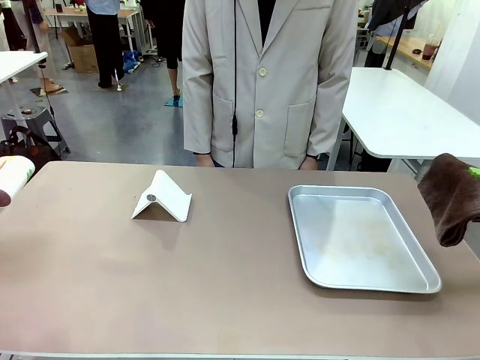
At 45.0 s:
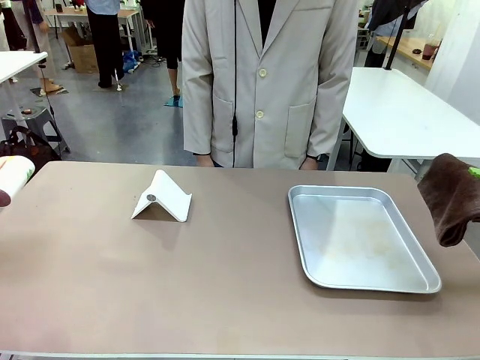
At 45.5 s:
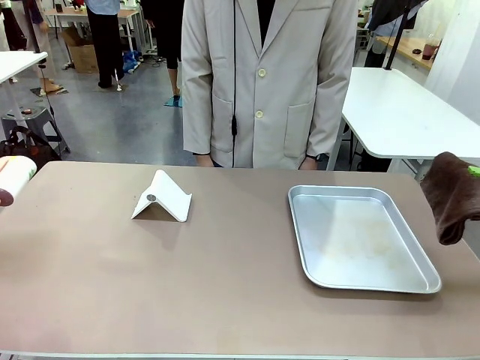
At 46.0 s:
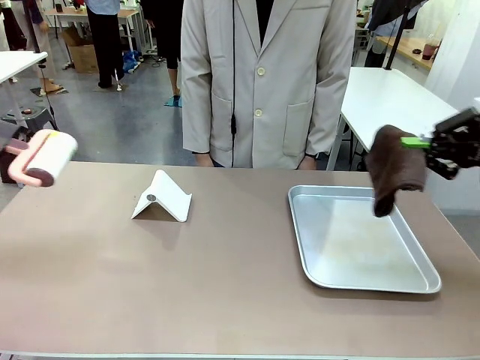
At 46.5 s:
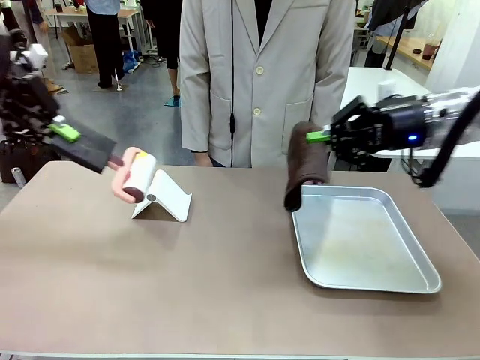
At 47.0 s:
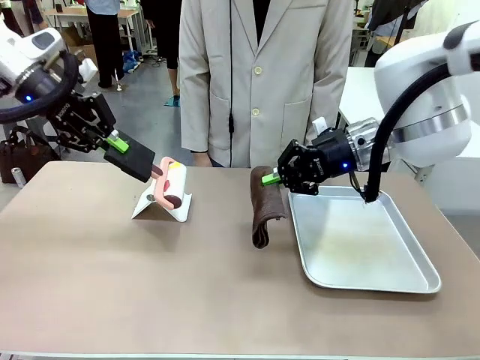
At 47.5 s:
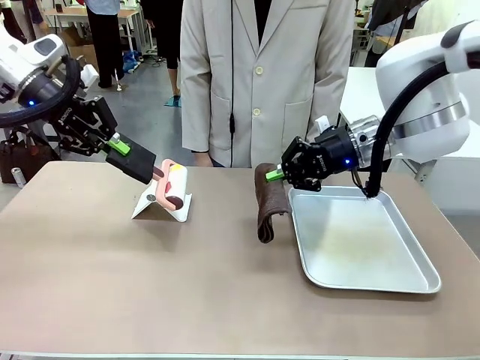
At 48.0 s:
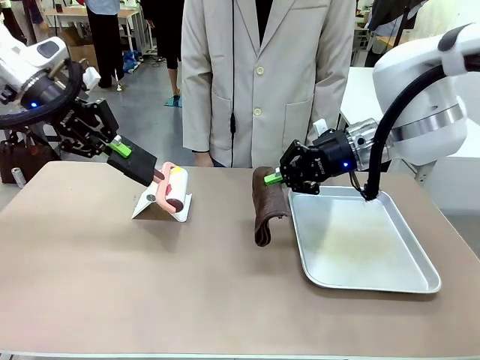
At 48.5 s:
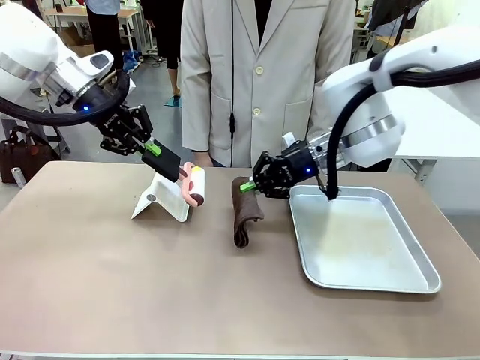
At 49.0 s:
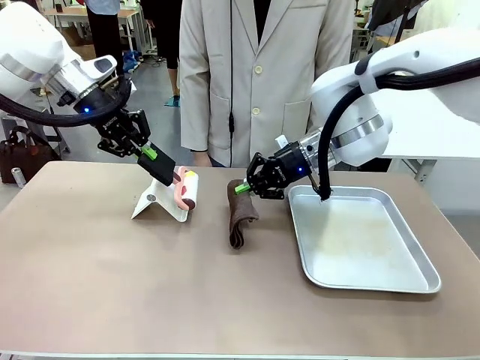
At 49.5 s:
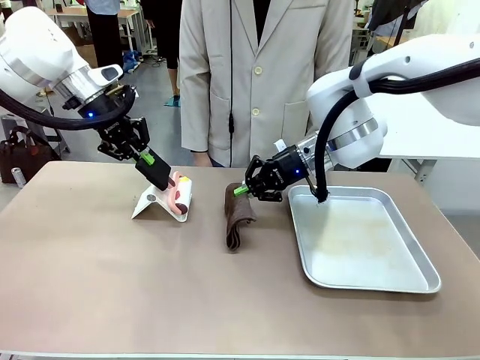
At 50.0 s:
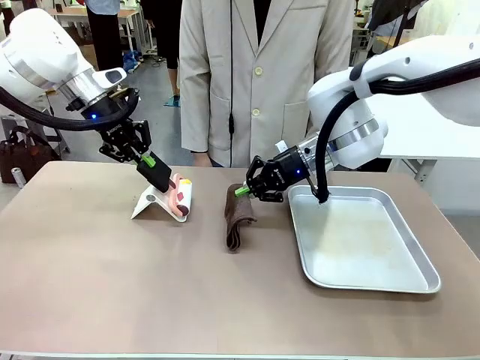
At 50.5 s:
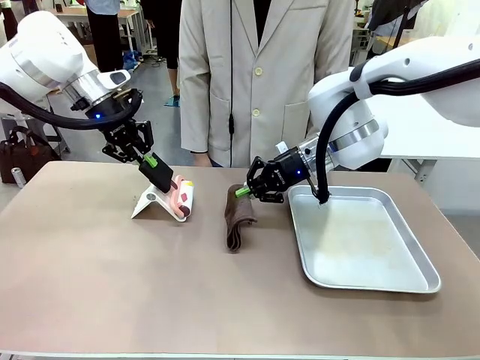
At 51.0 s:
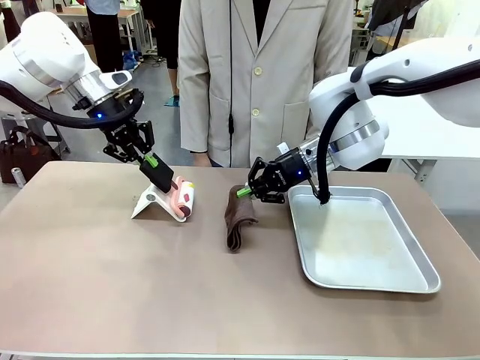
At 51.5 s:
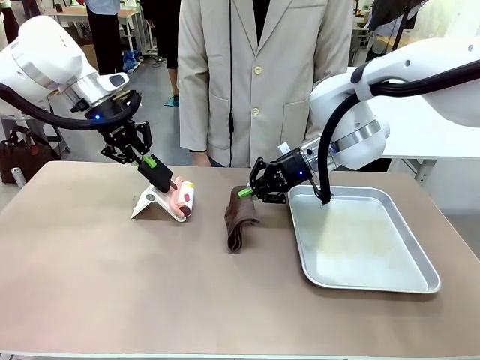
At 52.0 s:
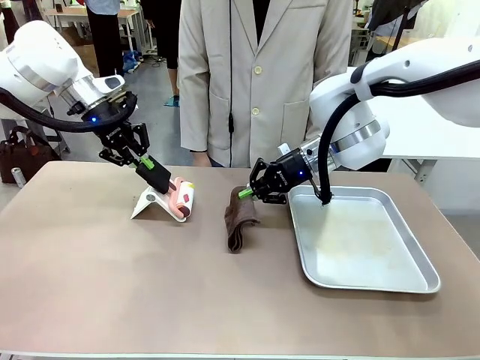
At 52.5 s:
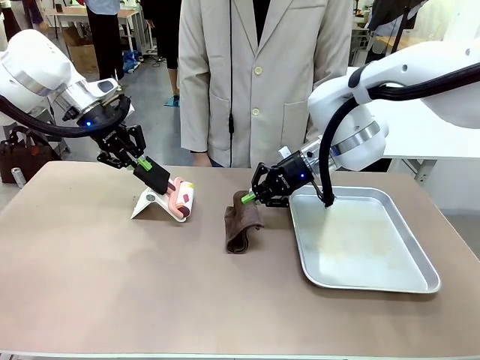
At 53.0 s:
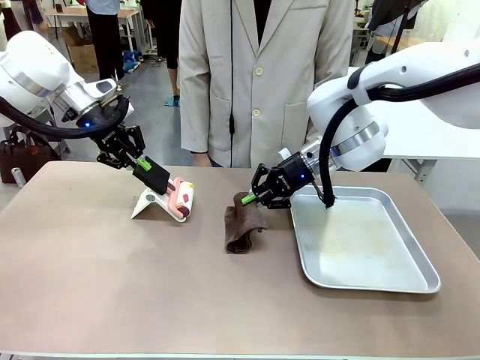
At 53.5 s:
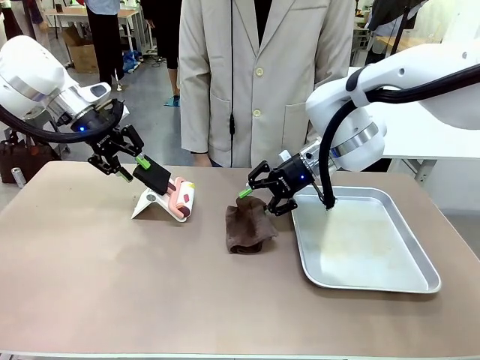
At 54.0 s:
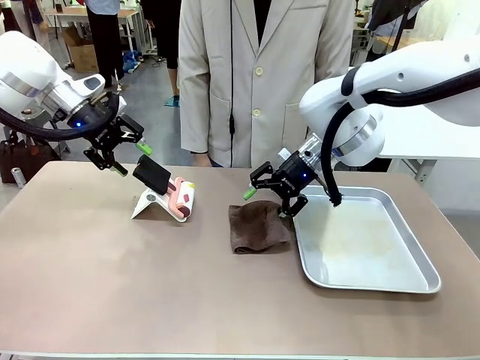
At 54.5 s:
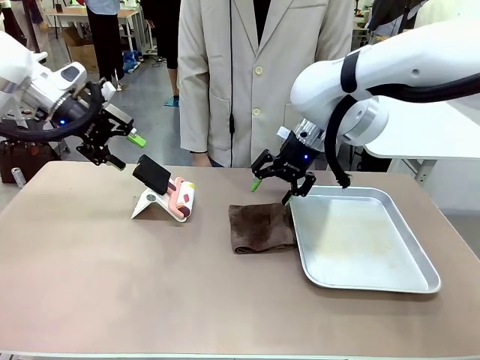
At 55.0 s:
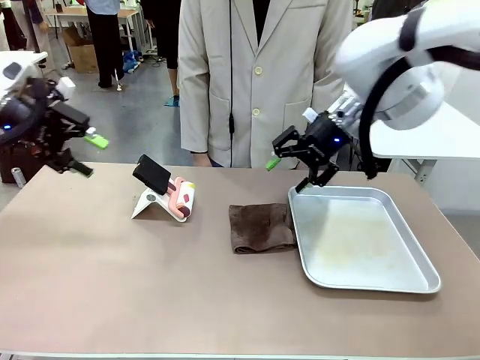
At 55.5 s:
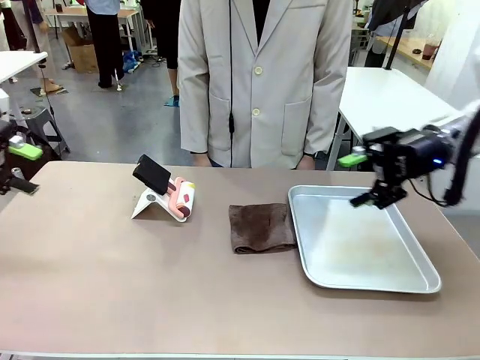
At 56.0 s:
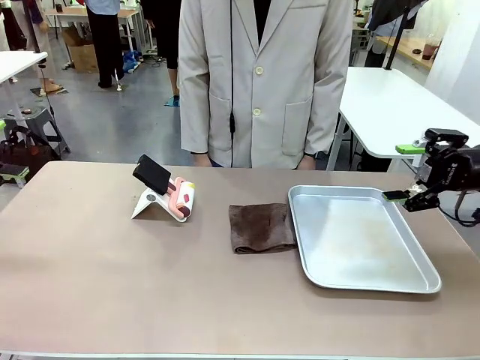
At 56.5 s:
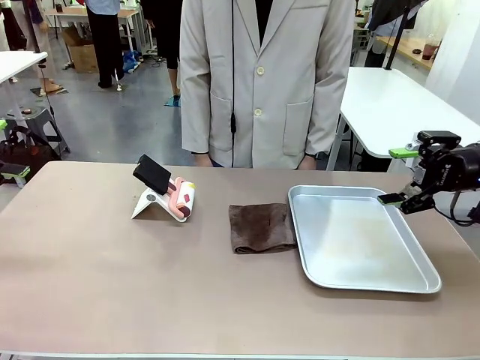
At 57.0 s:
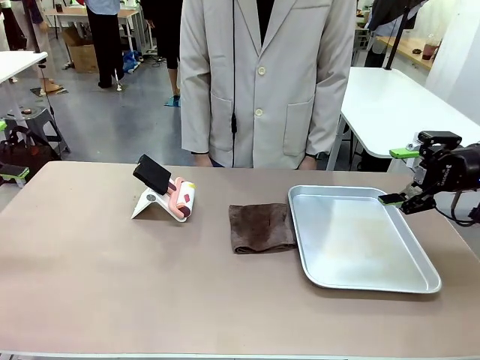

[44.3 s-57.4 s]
Task: Clean the surface of the table.
Robot: Return the Lint Roller and towel to their original positions.

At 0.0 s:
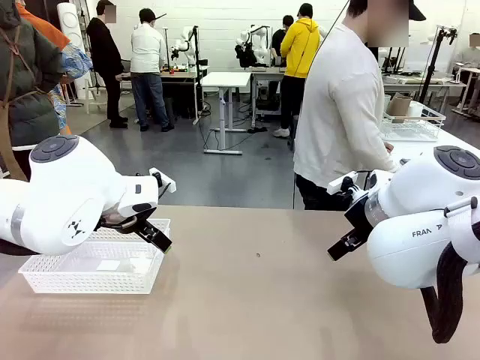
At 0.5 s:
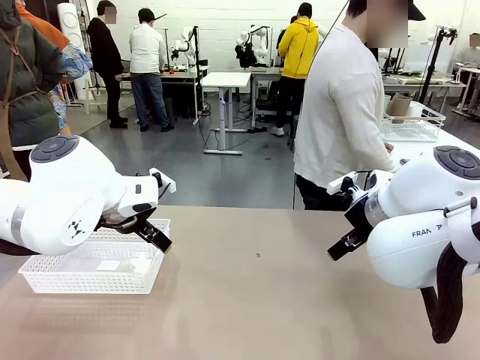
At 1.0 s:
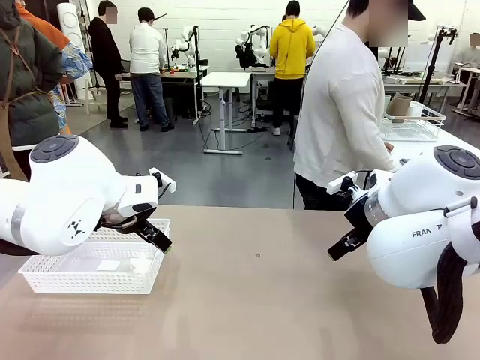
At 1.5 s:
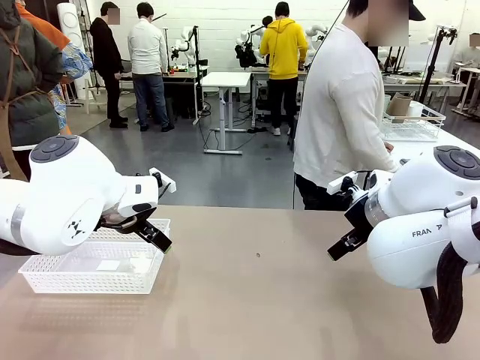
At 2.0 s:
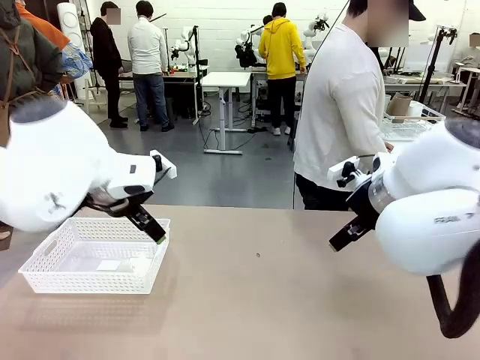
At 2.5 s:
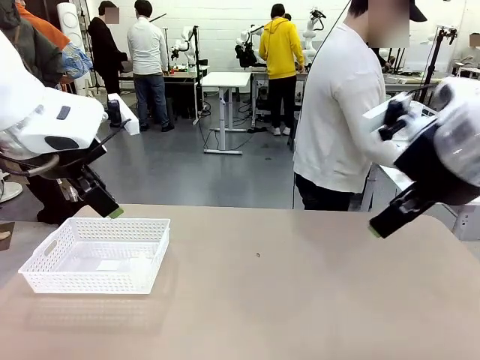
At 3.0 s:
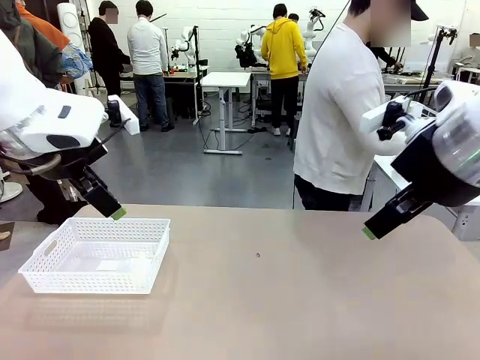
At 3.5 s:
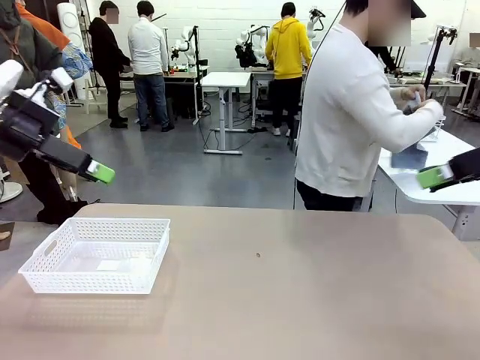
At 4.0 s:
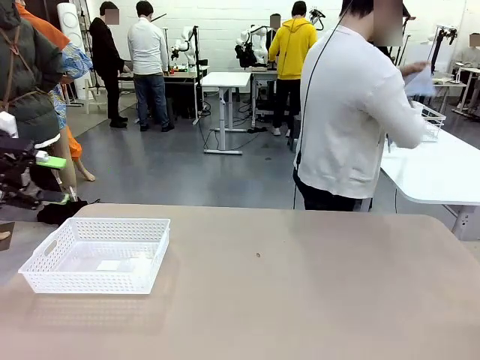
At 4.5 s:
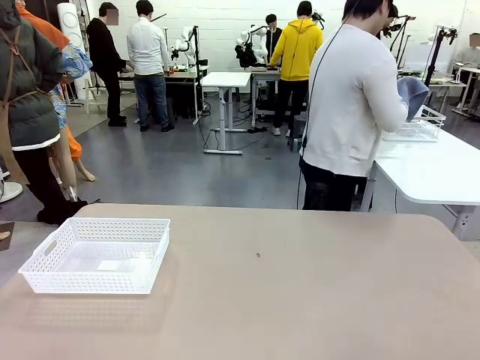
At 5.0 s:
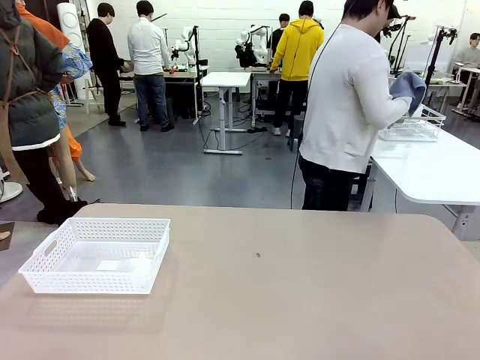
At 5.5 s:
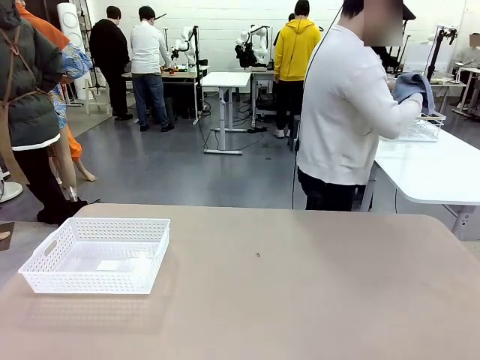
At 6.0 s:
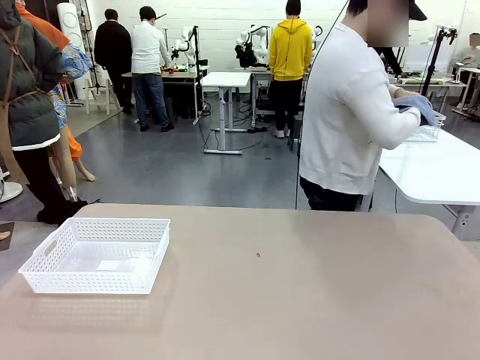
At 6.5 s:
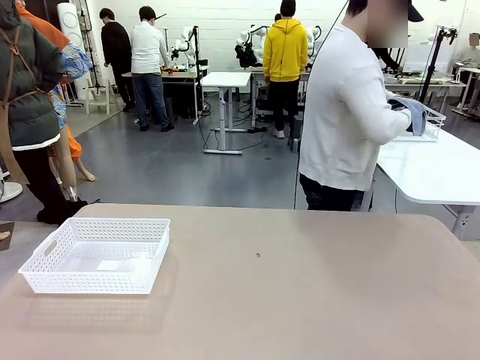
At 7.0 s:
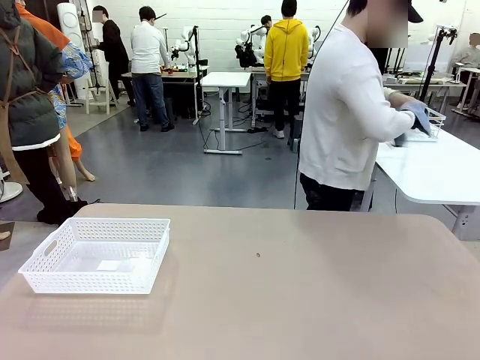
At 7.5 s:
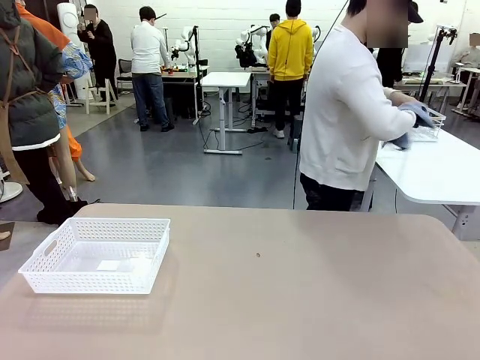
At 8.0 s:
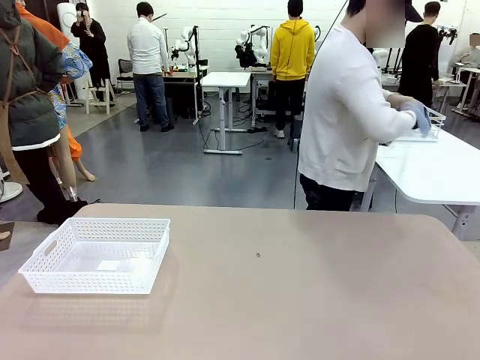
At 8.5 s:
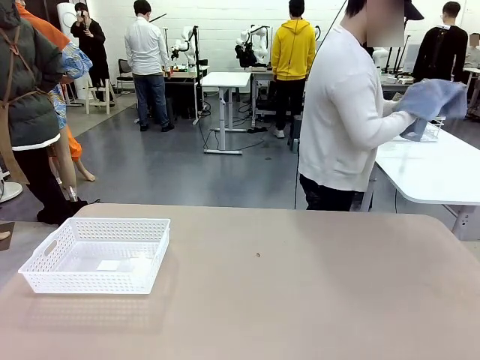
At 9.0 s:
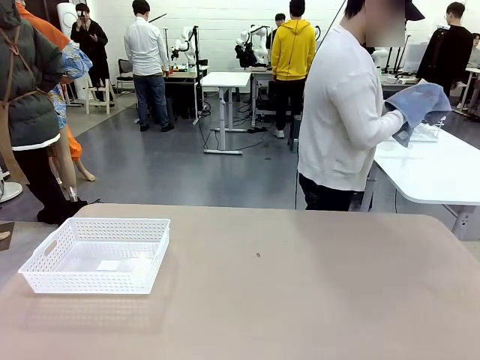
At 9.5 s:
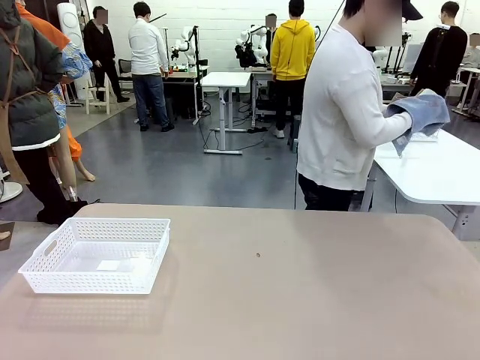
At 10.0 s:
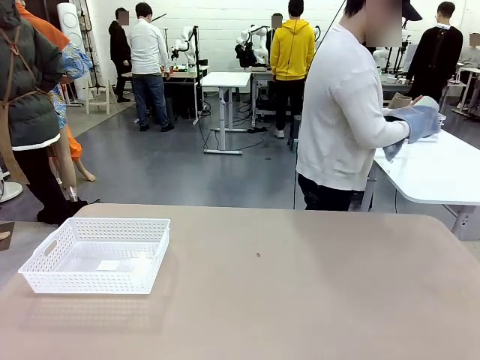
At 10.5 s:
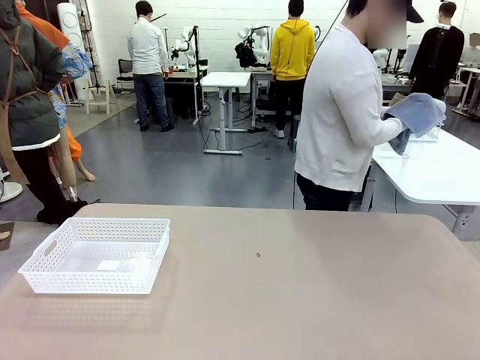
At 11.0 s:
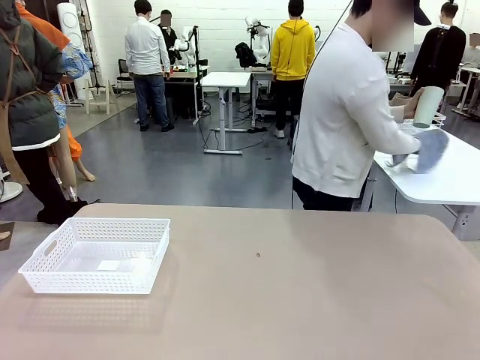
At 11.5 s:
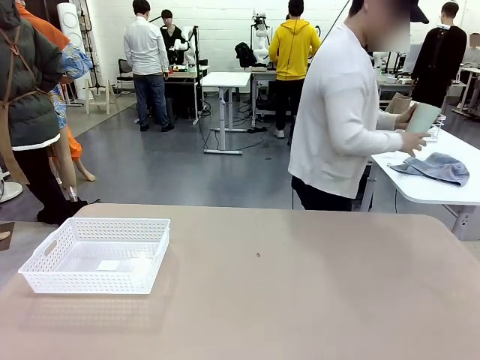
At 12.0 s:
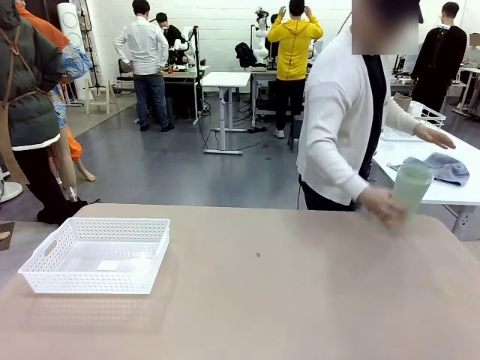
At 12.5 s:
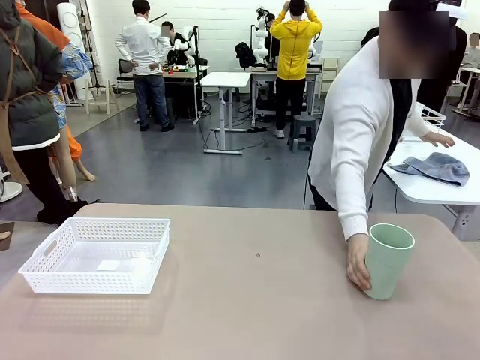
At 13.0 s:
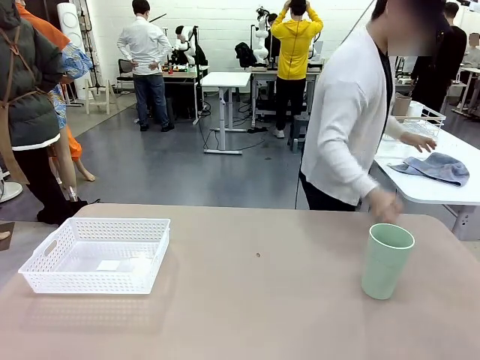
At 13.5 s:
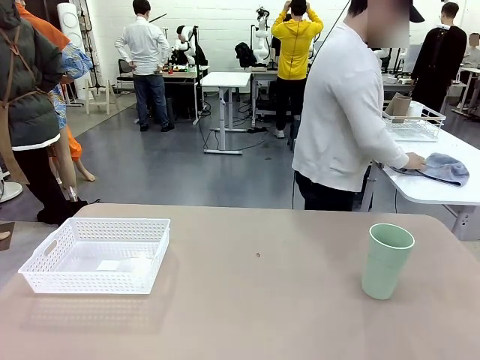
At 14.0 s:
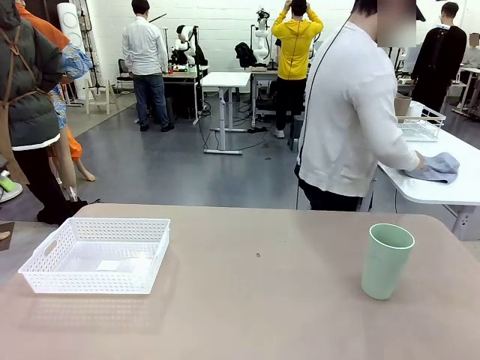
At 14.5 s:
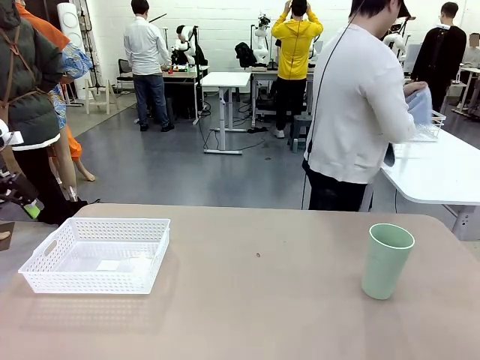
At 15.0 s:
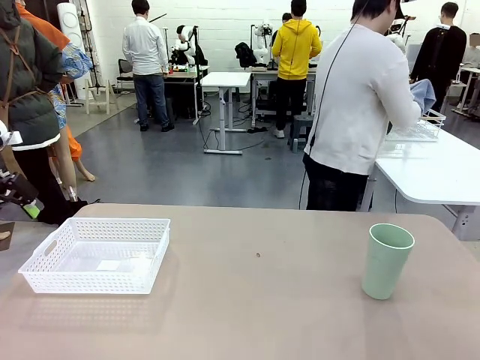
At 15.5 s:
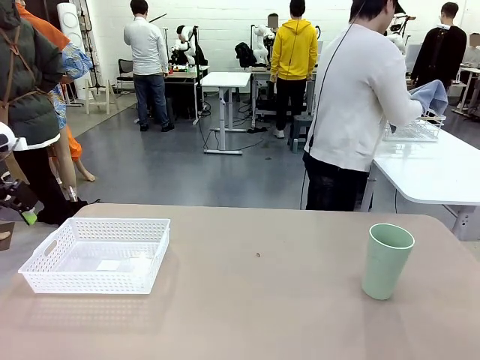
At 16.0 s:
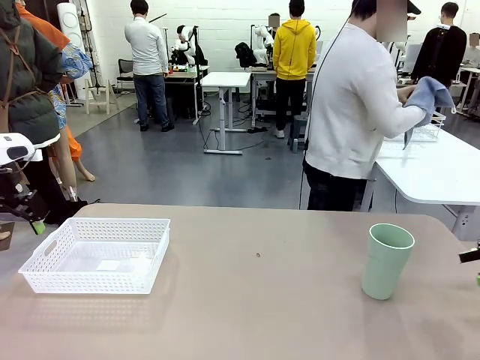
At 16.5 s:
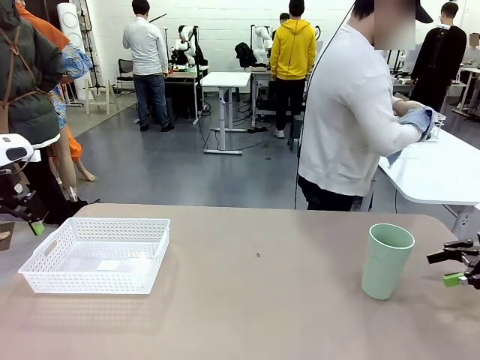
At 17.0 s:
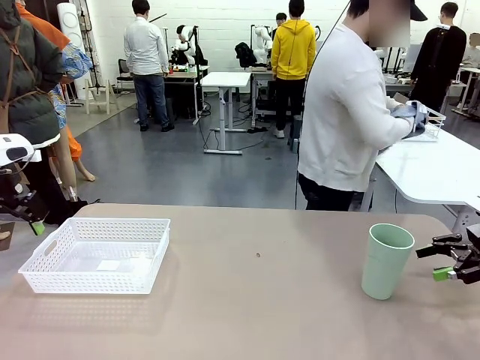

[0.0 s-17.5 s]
Task: Clean and organize the cups into the basket.
Robot: Pick up the Organizing basket and move it to the center of the table, then pick up the Reusable plastic cup from the right side of the table and place it inside the Organizing basket.
Person: Picks up a cup and a towel, cleans the cup with the towel, and places it on the left side of the robot table.
